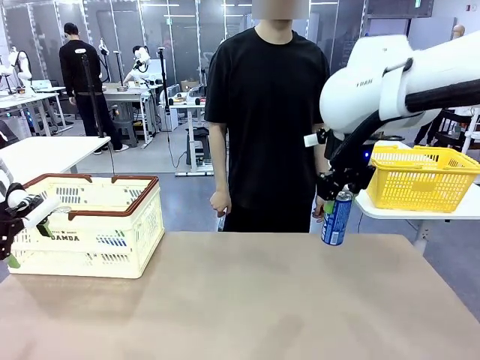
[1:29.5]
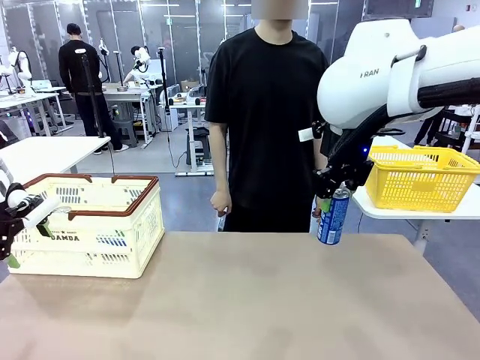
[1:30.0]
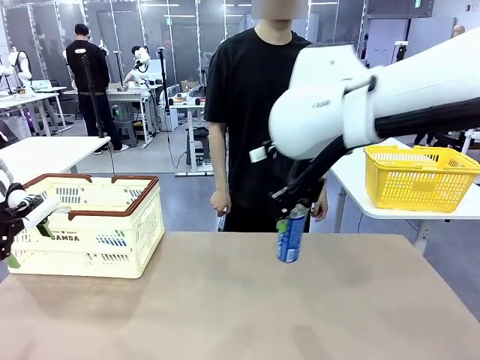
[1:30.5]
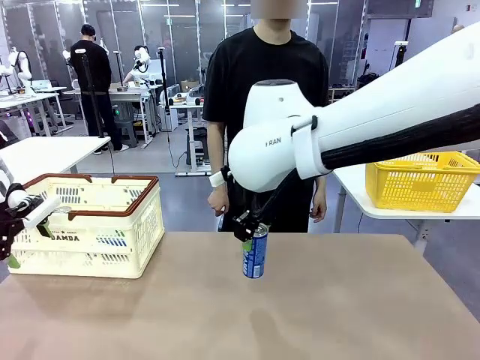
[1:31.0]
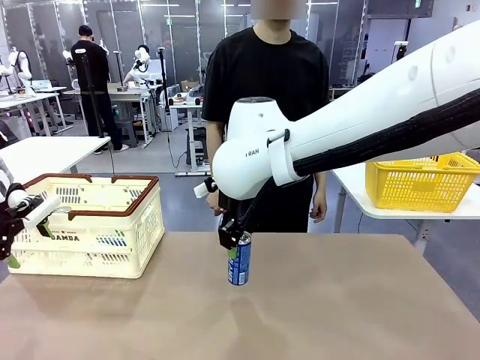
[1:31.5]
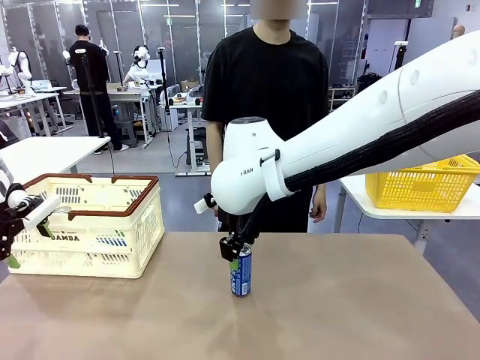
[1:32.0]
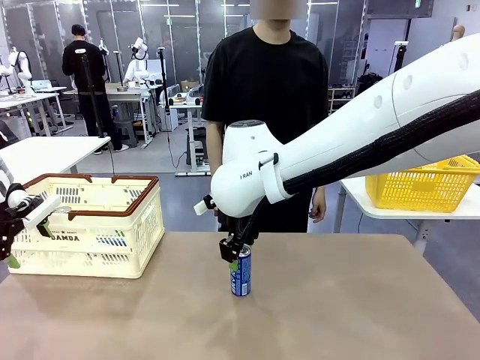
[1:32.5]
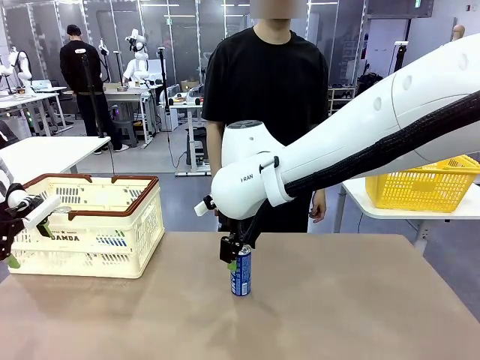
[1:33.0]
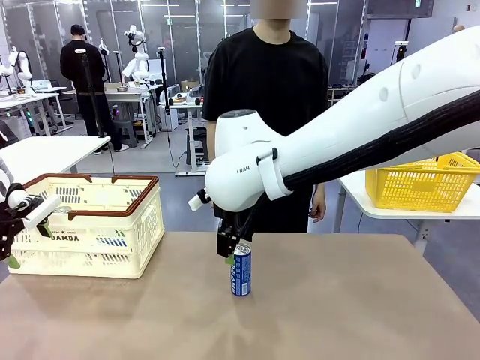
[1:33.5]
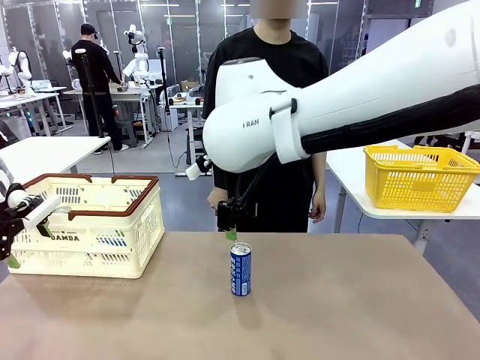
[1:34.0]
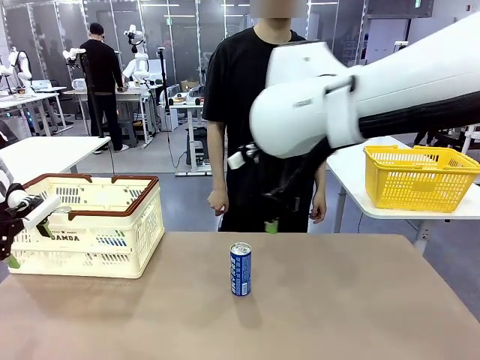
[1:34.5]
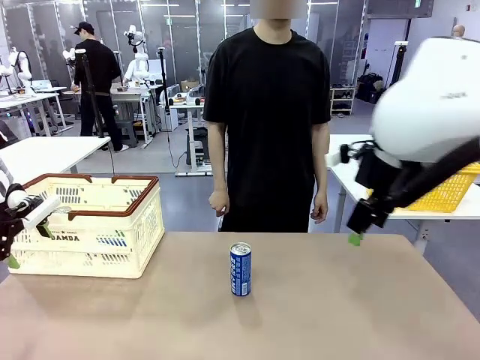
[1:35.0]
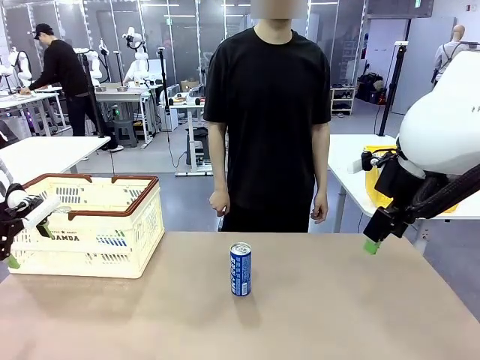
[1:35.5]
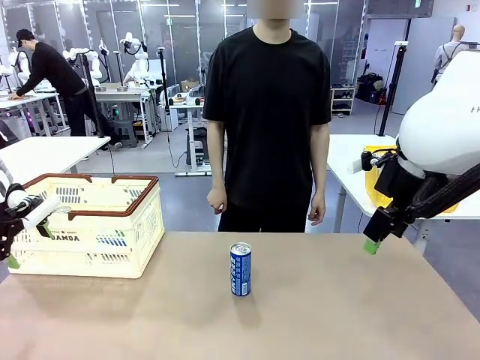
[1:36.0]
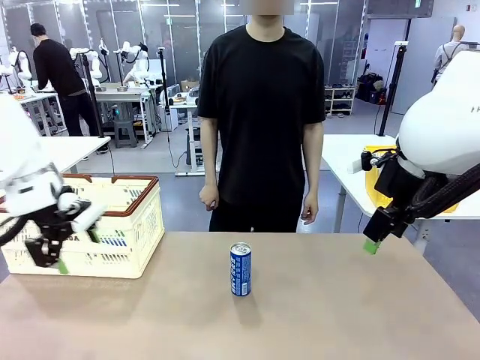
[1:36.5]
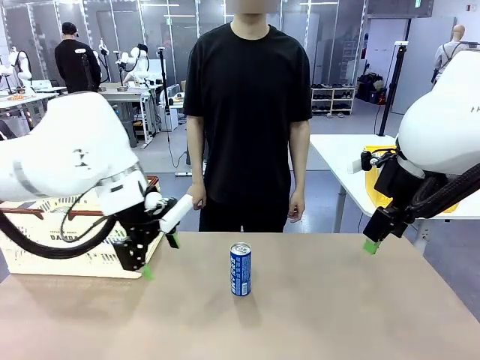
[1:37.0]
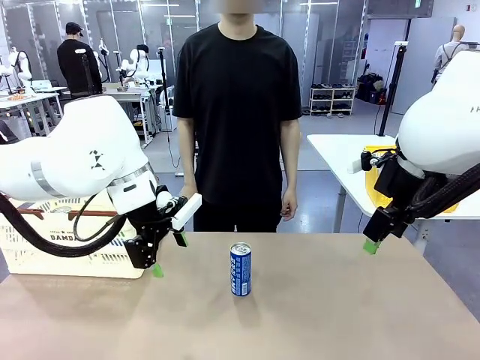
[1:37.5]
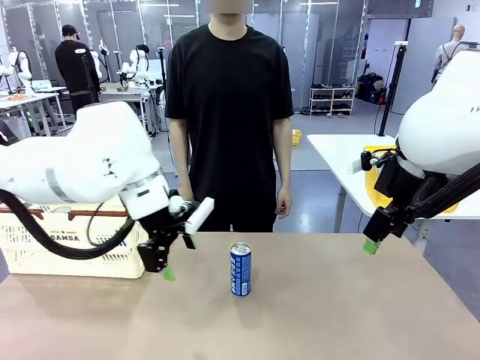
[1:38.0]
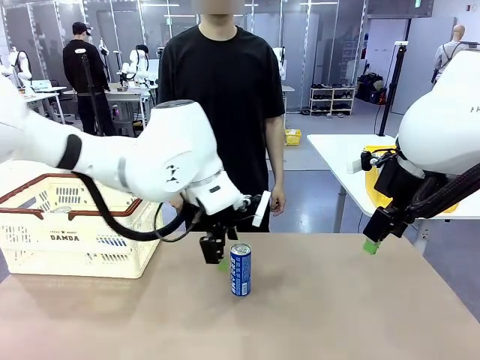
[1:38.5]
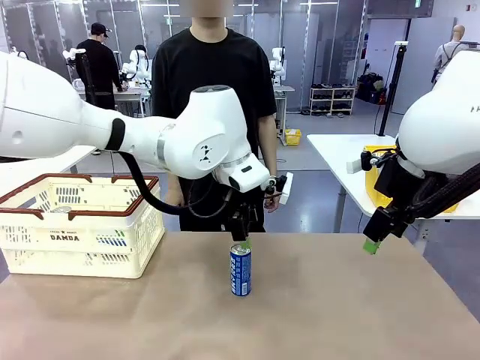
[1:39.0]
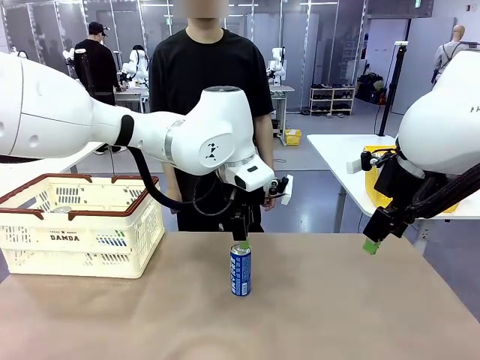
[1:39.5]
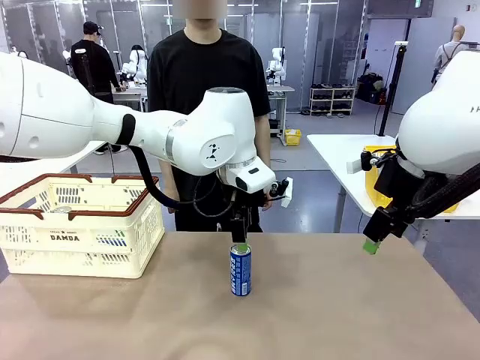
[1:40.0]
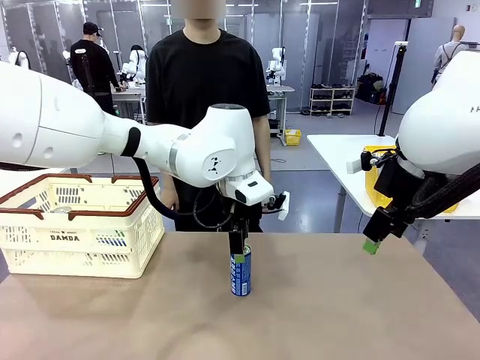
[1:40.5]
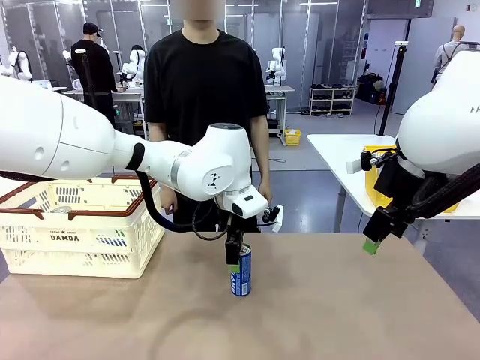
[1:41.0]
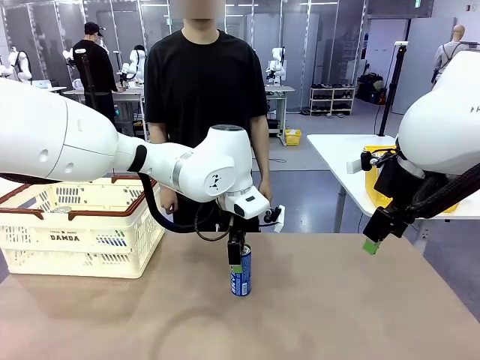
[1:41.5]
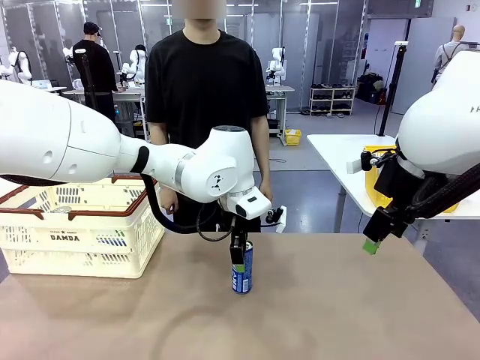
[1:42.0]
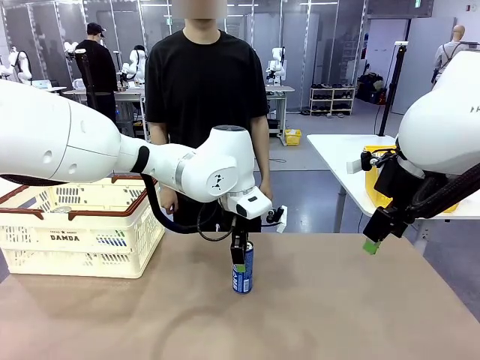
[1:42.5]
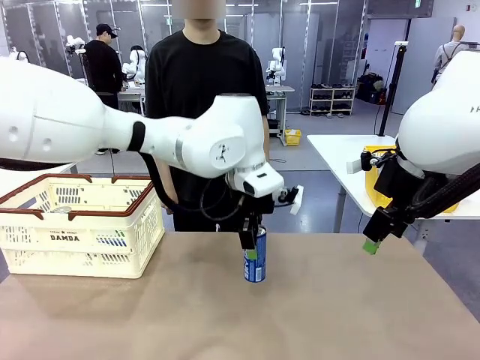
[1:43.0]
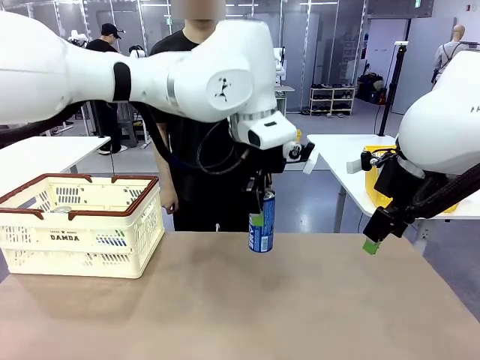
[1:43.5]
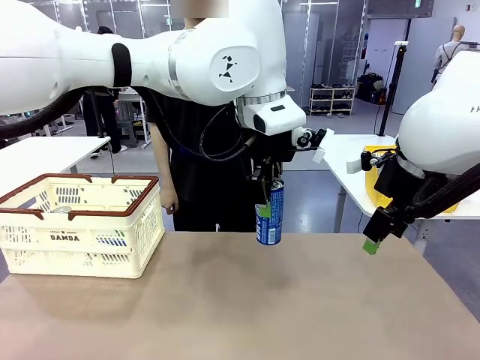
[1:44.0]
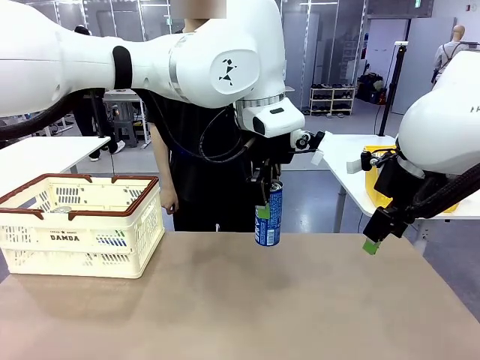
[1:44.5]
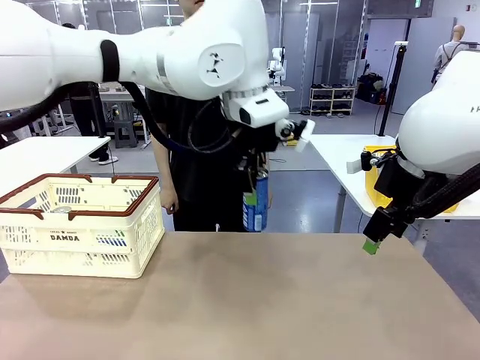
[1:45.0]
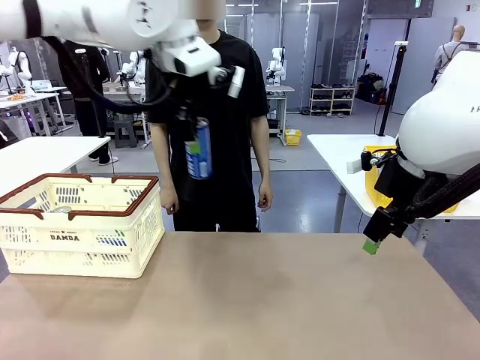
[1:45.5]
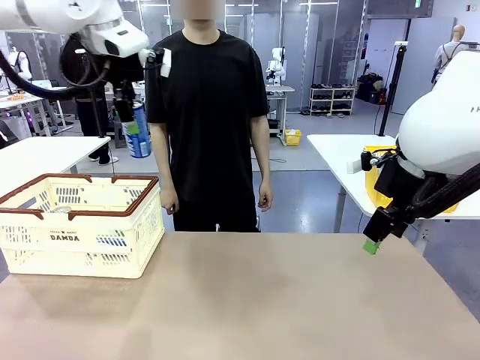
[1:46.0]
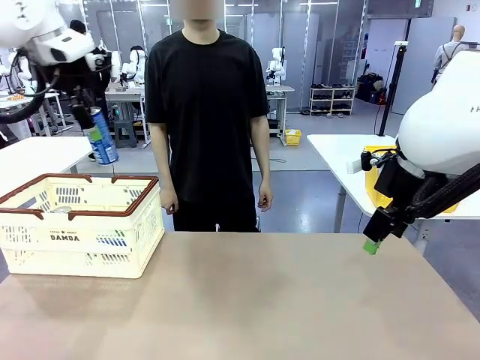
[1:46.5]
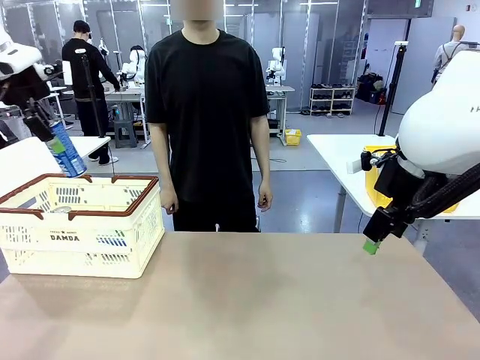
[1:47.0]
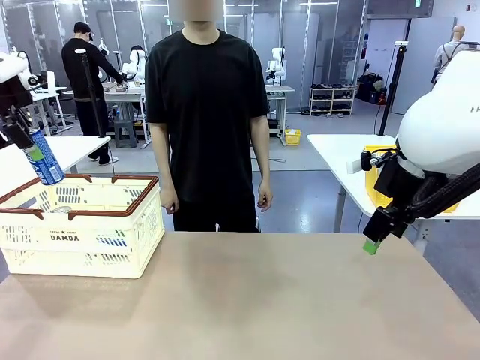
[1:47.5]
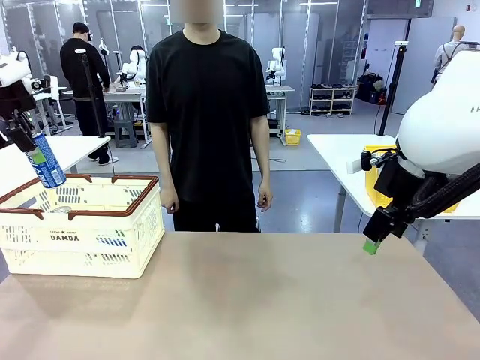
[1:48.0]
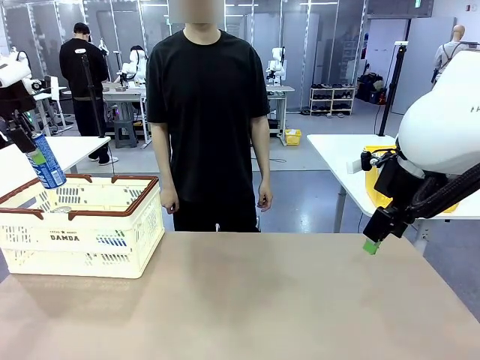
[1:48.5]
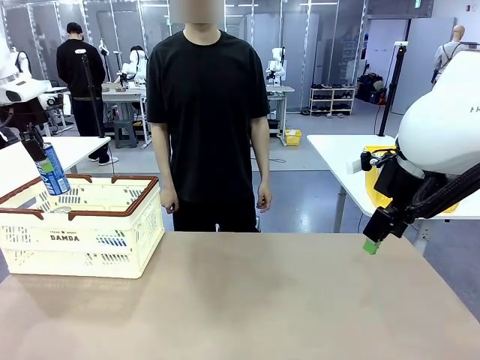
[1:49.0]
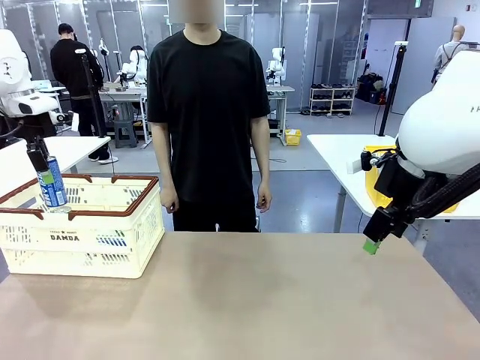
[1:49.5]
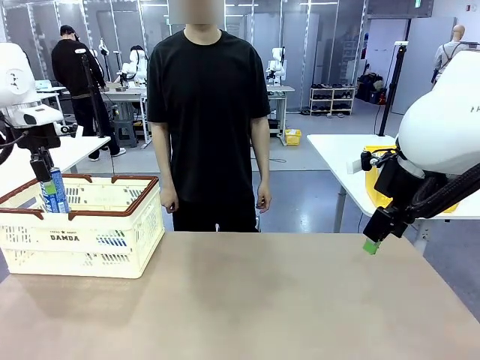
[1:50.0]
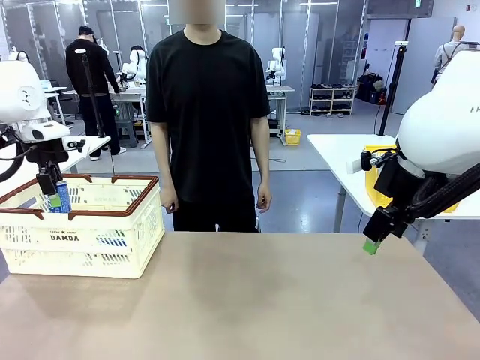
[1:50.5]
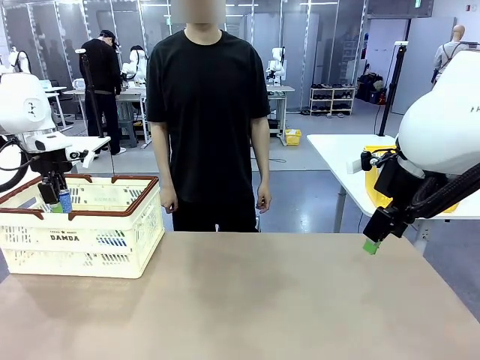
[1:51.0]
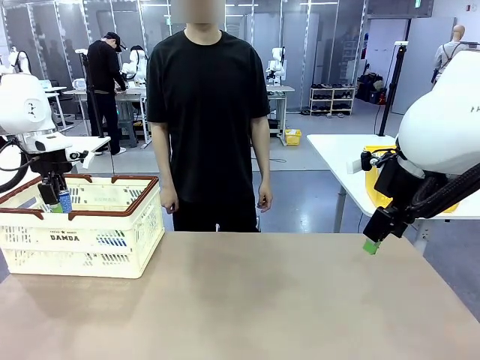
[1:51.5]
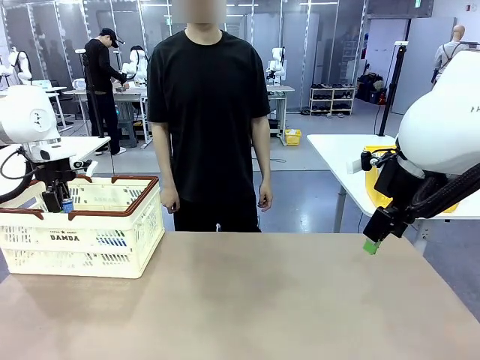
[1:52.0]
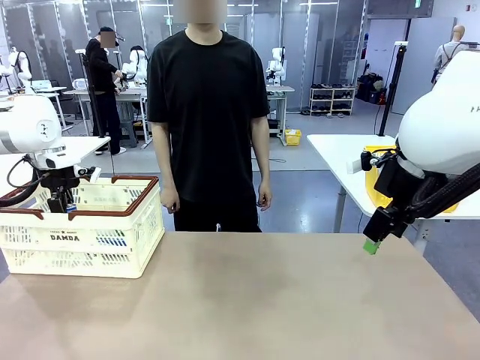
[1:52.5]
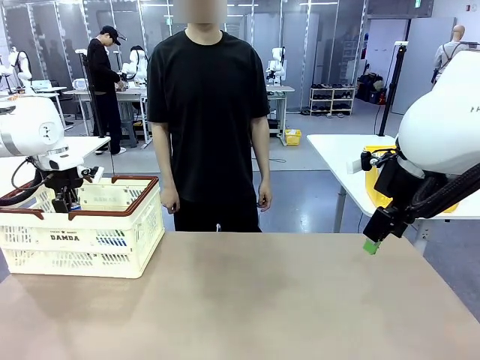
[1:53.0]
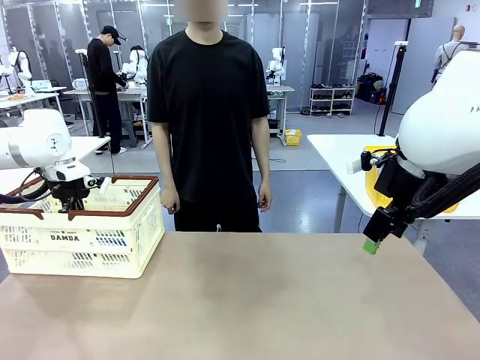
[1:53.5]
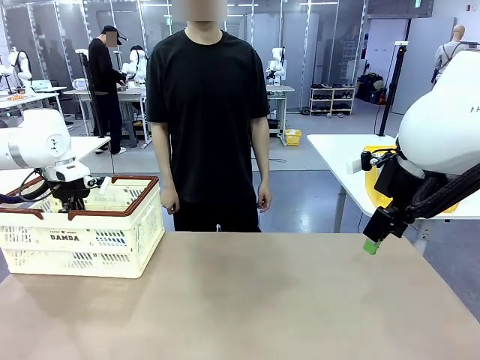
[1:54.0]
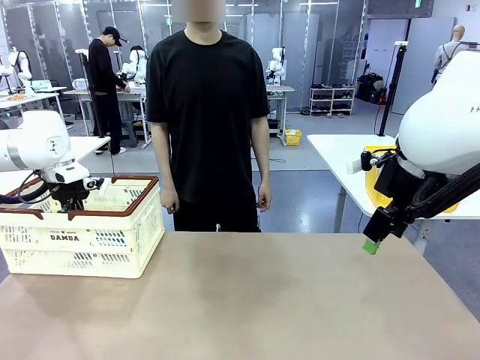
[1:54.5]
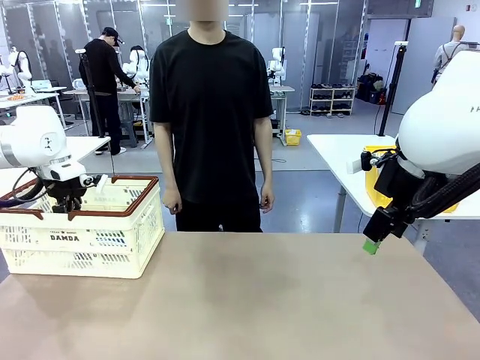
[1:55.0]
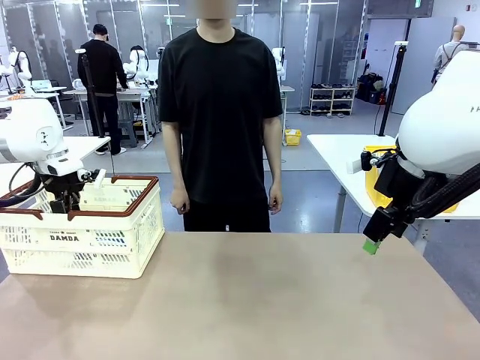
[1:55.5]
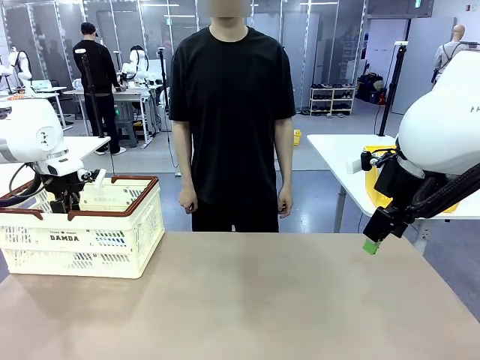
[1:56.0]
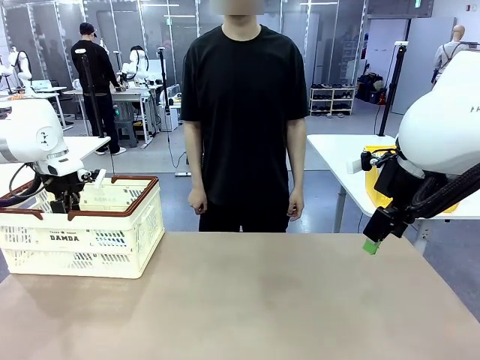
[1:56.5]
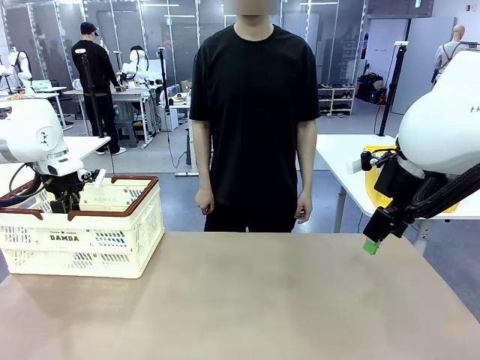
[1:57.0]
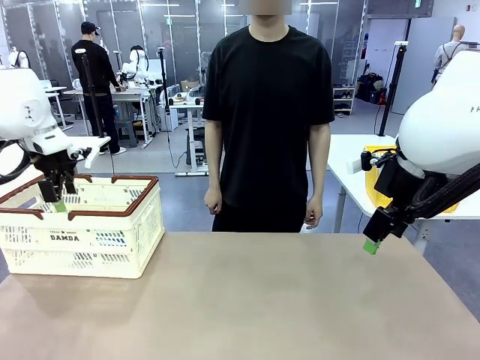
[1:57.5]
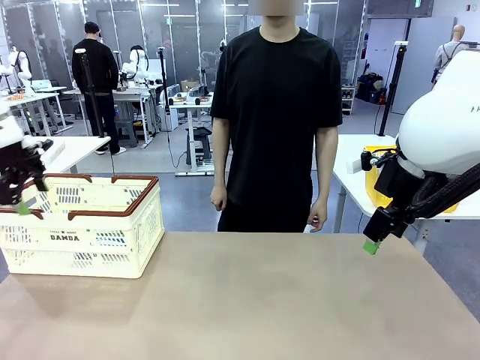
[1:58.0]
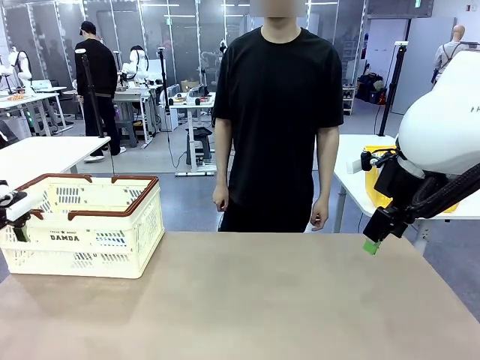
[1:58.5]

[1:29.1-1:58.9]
Task: Place the drinks into the Shopping basket.
Robot: Pick up one drink and place it into the Shopping basket.
